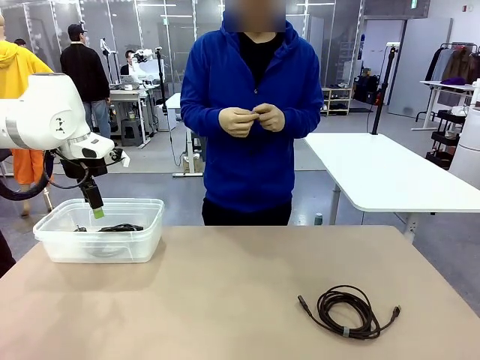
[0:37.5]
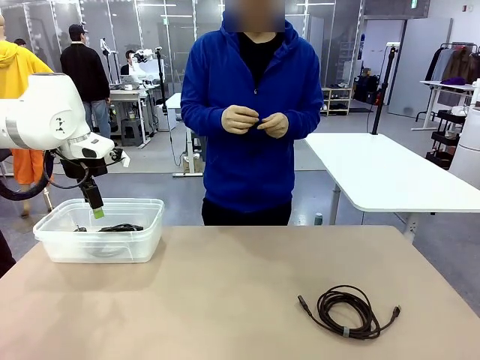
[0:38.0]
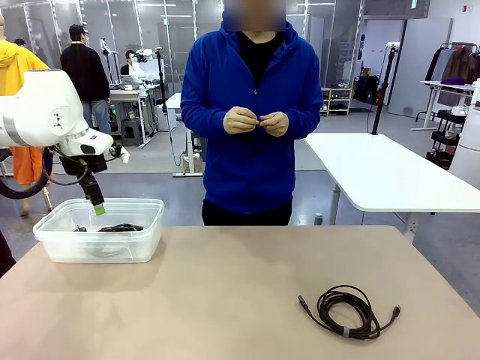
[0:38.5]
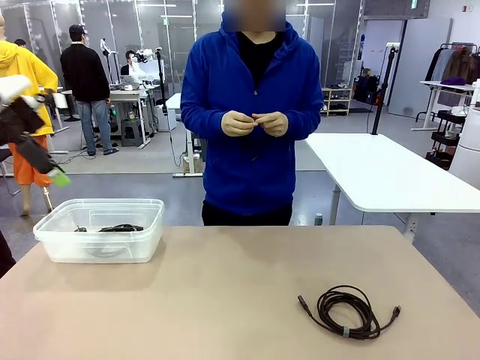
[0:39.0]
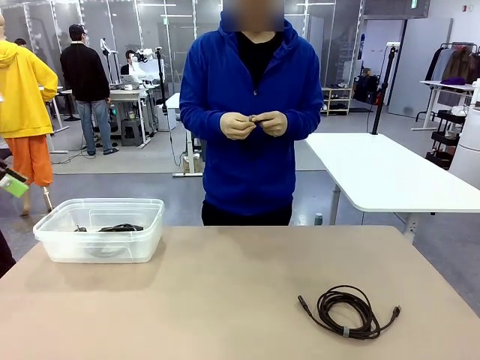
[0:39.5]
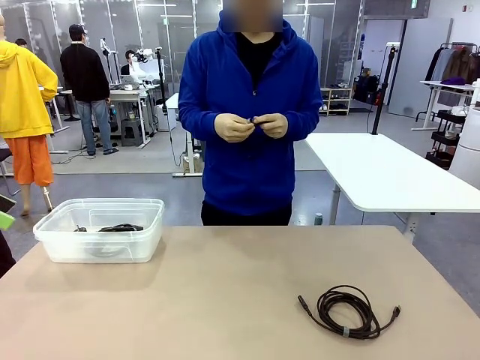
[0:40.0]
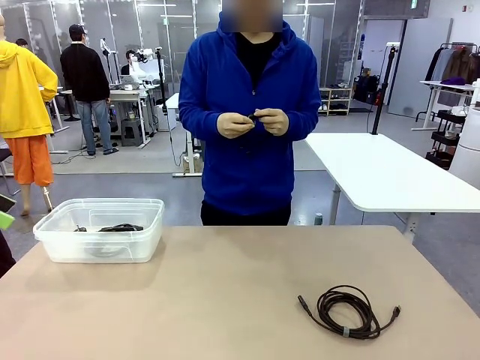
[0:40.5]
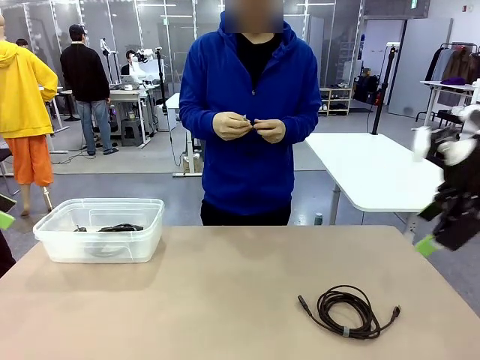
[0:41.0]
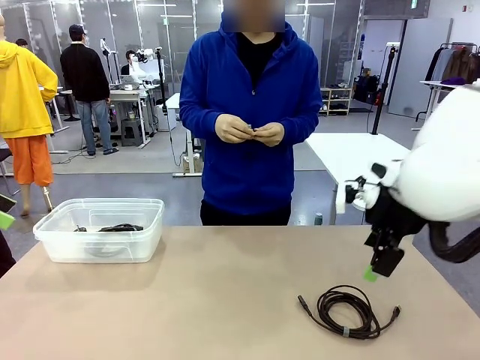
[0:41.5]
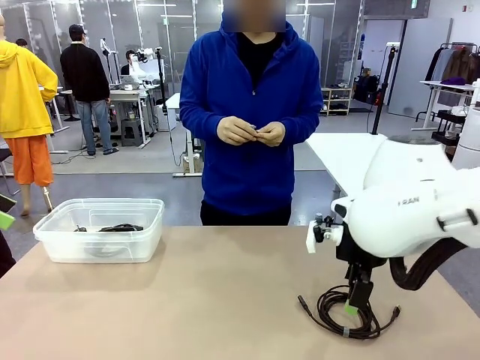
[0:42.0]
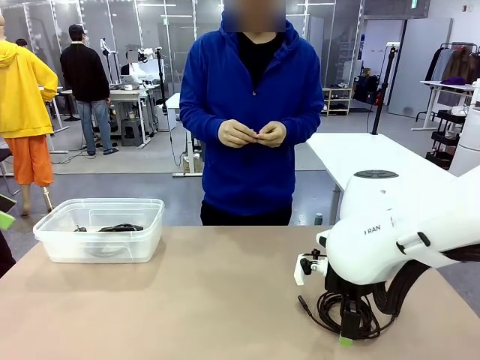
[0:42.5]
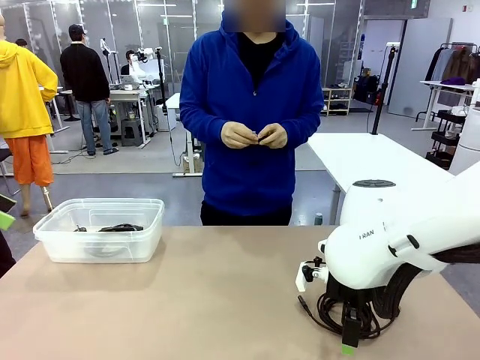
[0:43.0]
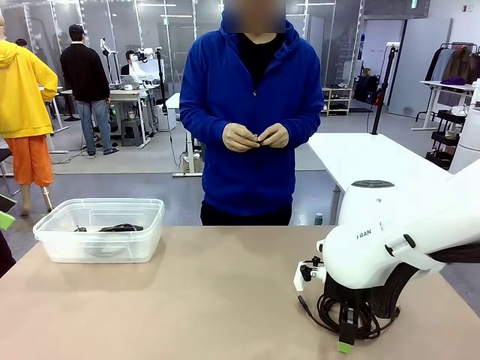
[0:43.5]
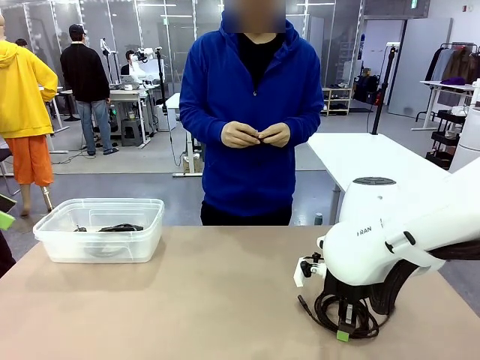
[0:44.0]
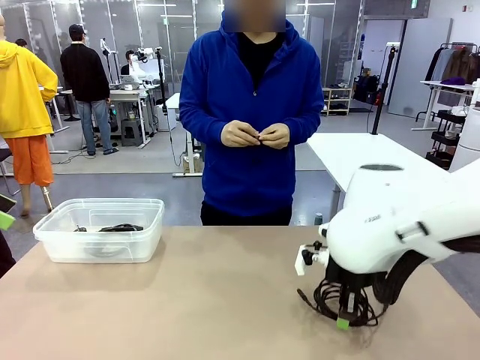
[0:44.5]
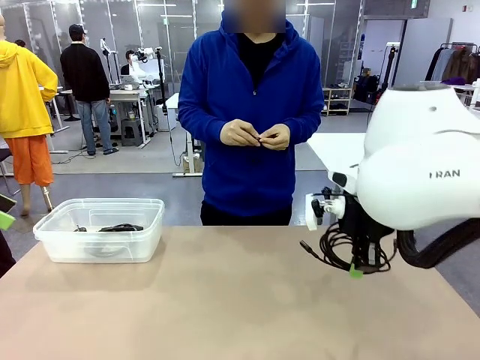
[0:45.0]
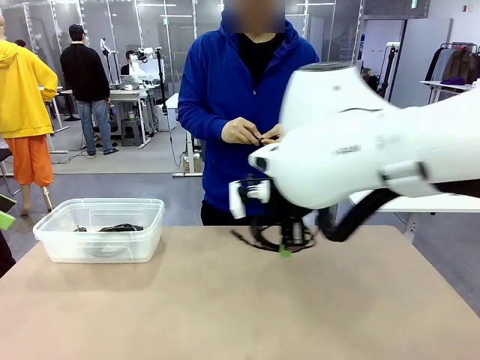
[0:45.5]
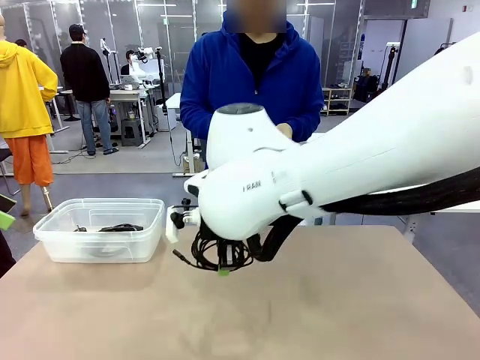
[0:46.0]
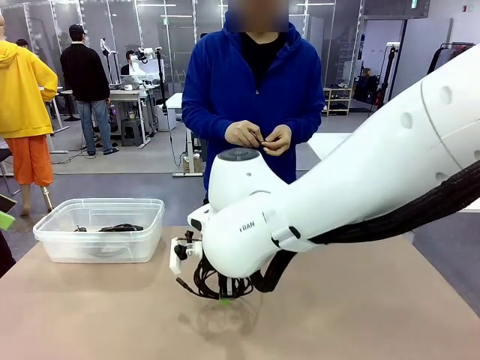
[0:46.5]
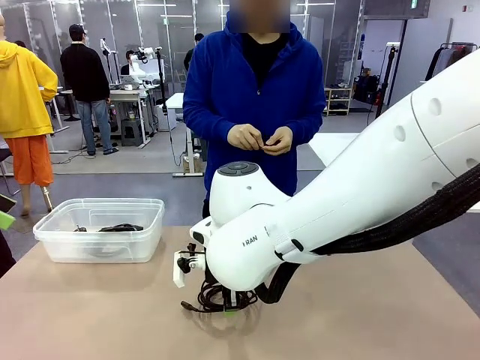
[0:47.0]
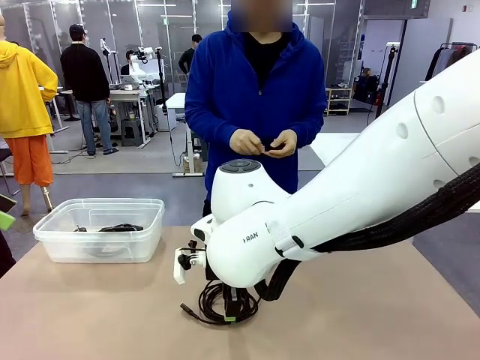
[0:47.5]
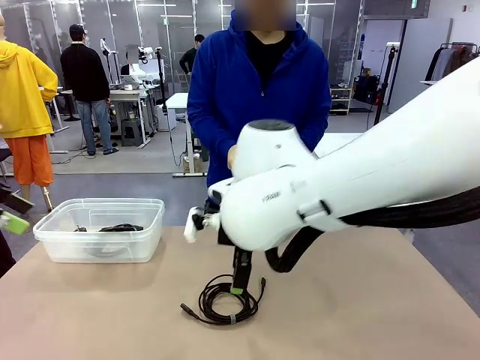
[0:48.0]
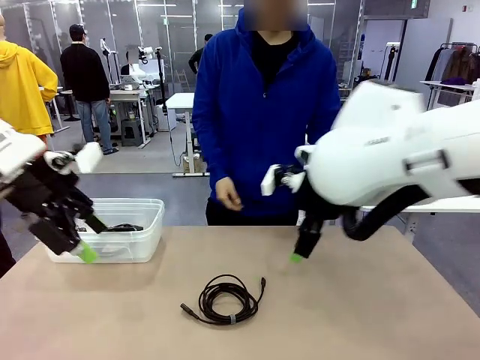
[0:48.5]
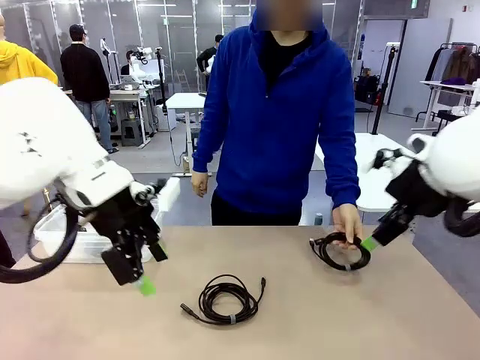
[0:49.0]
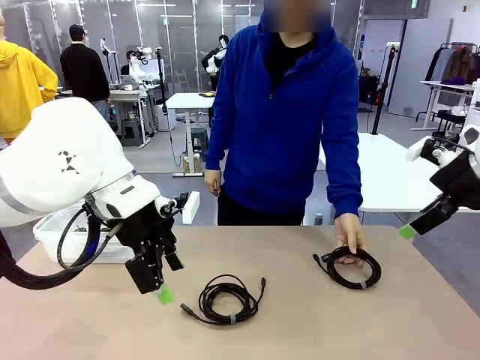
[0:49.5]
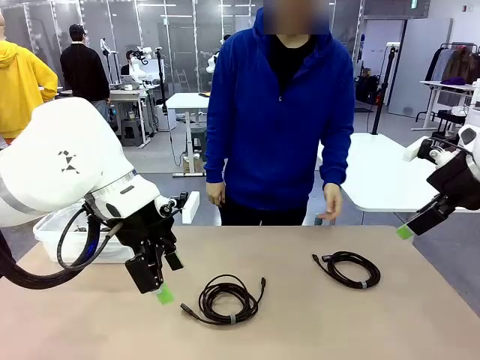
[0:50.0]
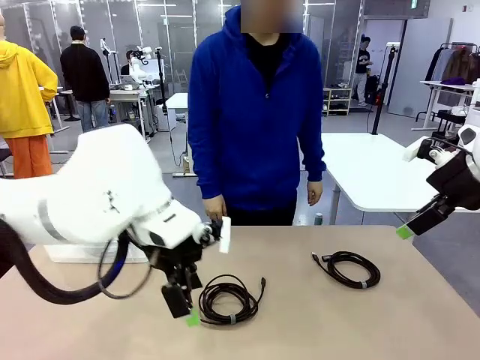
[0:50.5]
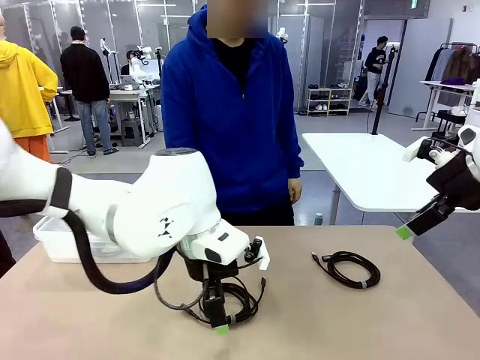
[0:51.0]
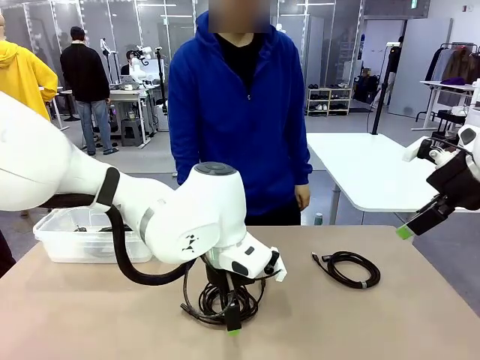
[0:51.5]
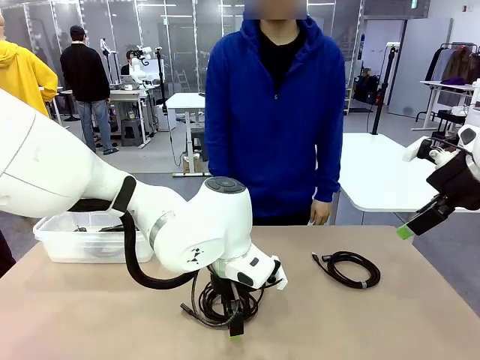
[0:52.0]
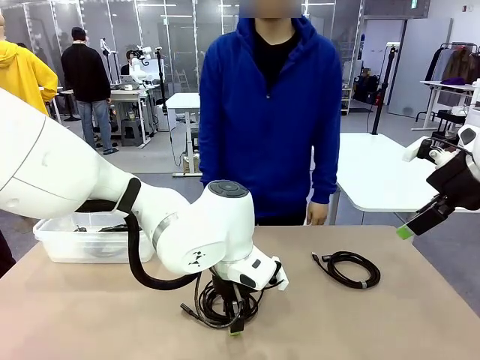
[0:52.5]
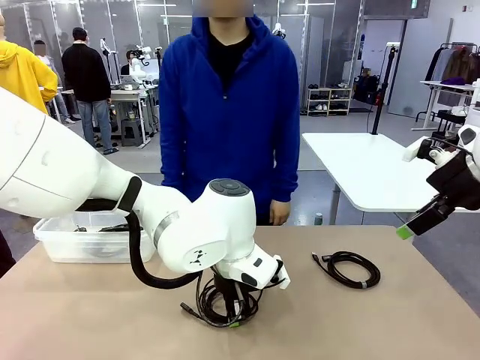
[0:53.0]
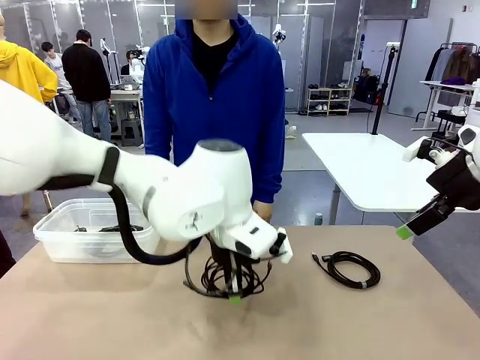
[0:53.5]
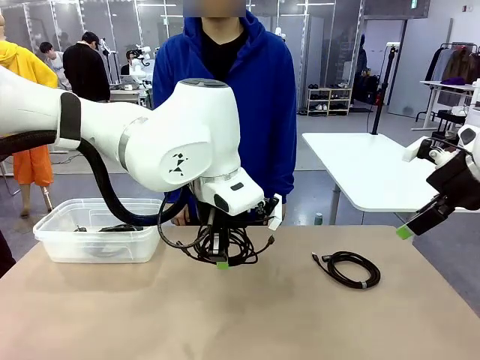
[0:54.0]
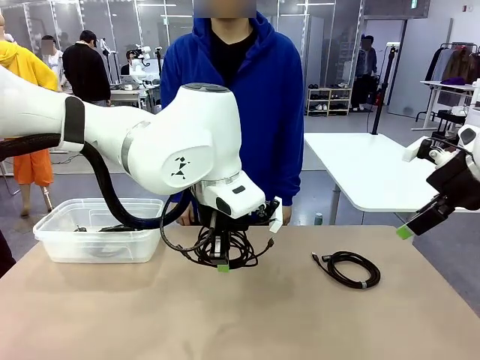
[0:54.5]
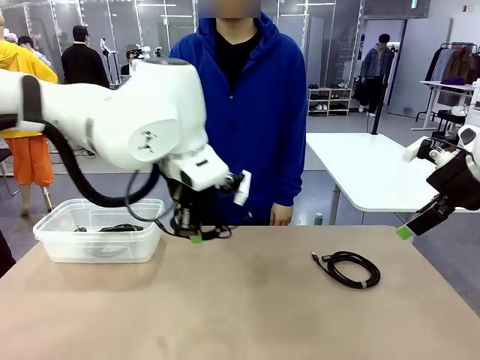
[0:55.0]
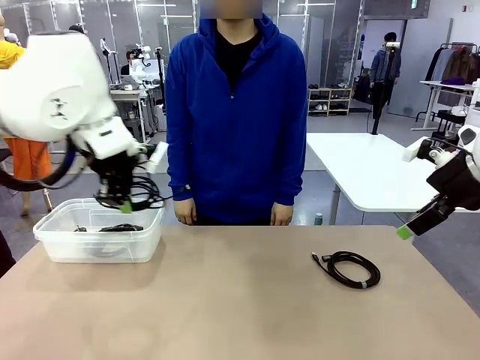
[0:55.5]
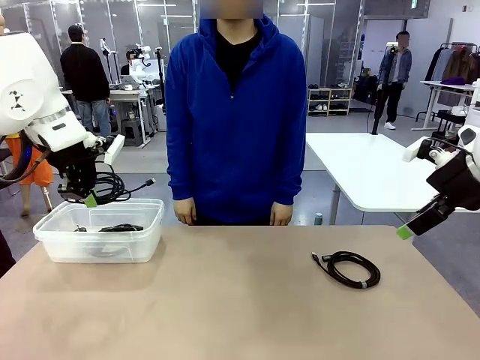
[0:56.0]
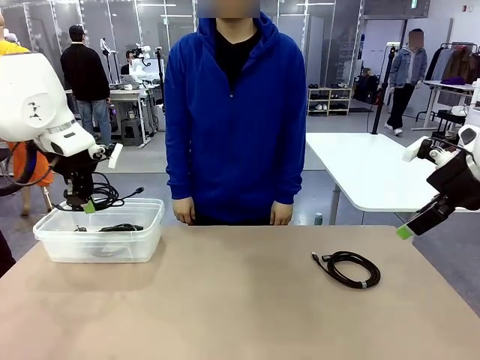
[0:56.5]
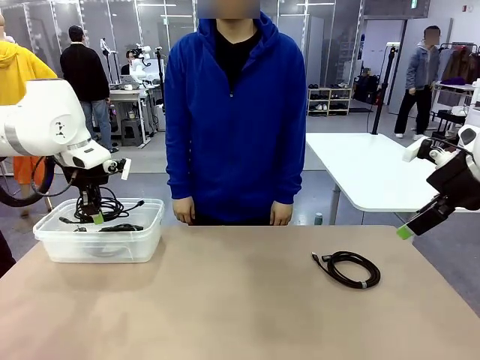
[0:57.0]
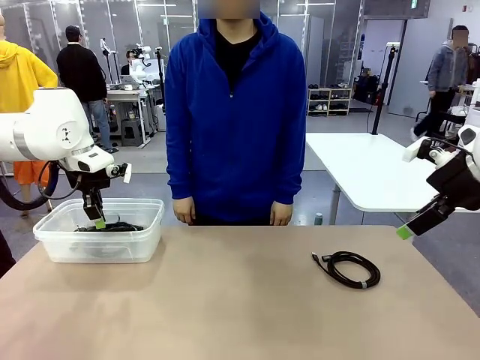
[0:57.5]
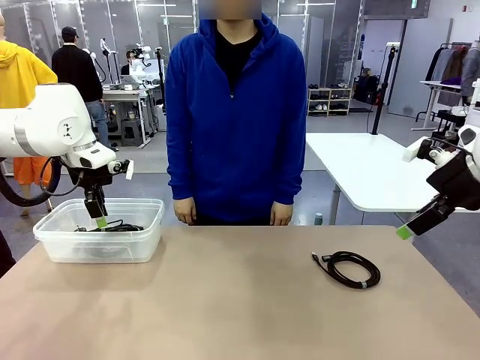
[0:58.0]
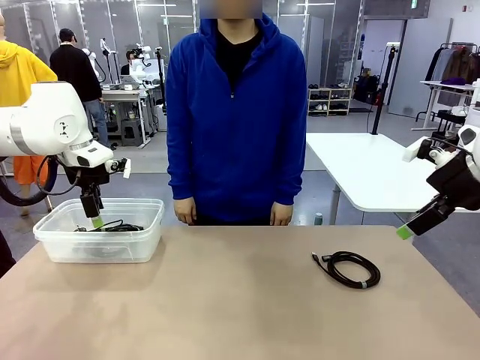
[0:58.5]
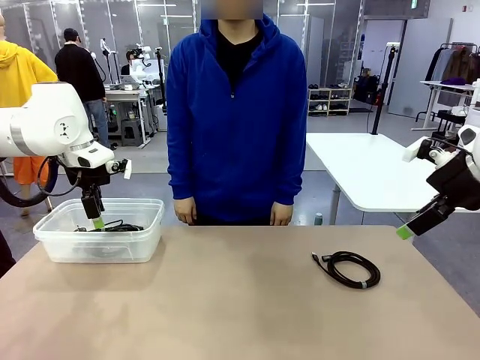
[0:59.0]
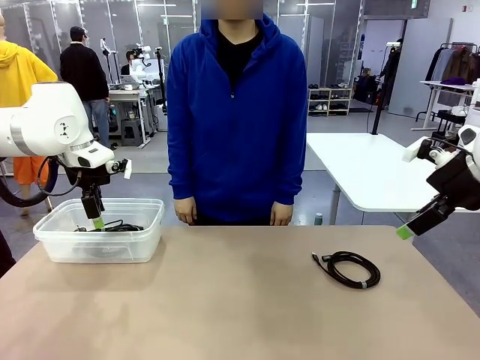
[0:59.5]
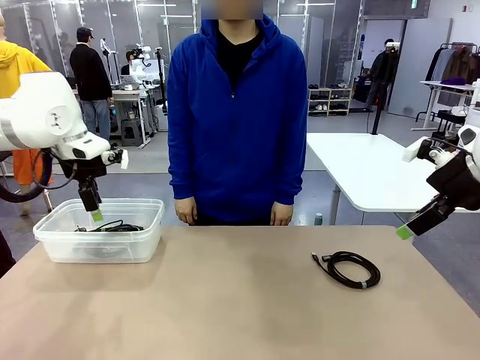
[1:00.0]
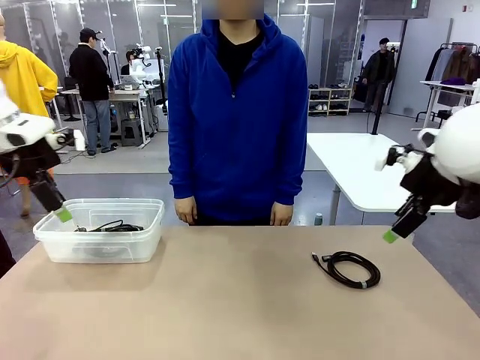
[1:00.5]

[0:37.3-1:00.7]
Task: Organize and store the cables.
Robot: Place the USB Extension Cable into the Organizing box.

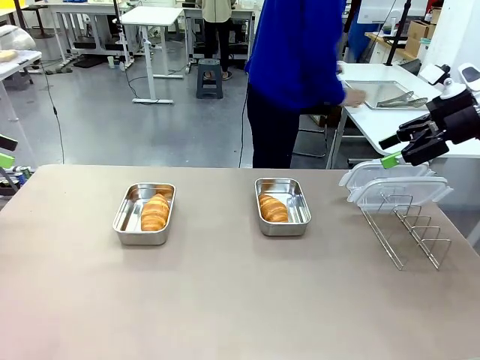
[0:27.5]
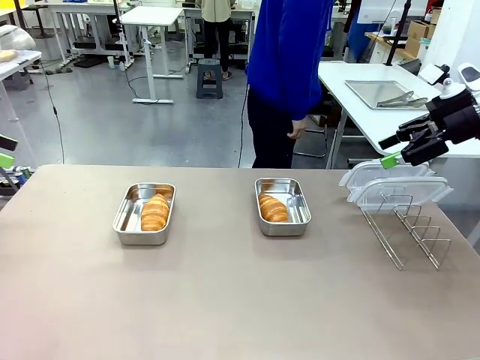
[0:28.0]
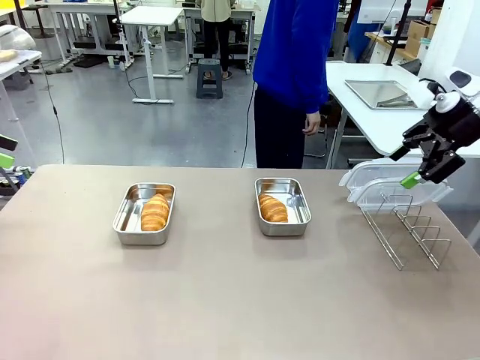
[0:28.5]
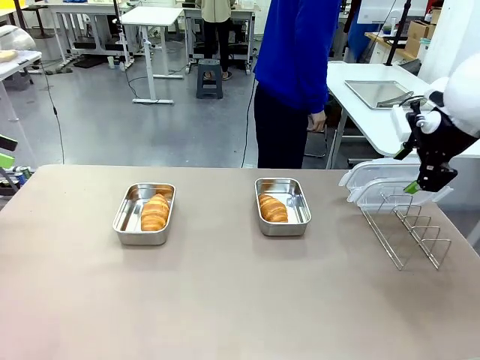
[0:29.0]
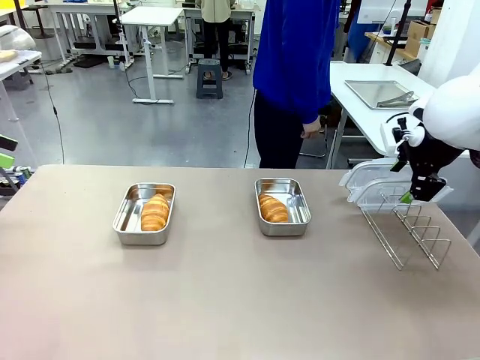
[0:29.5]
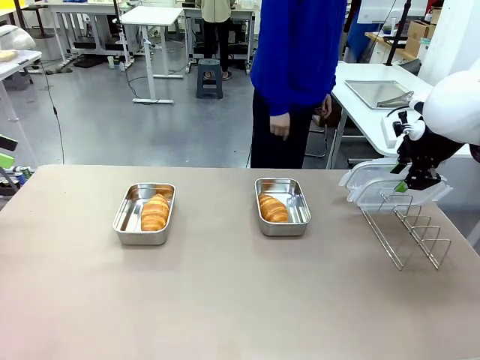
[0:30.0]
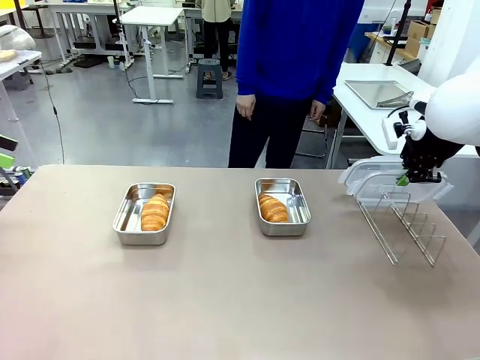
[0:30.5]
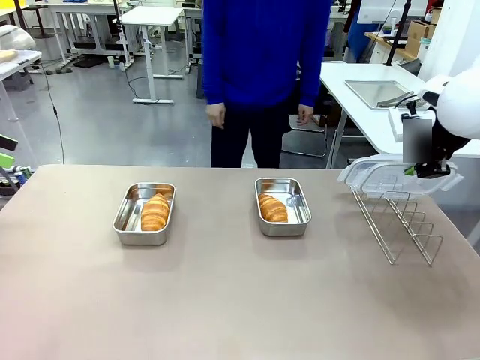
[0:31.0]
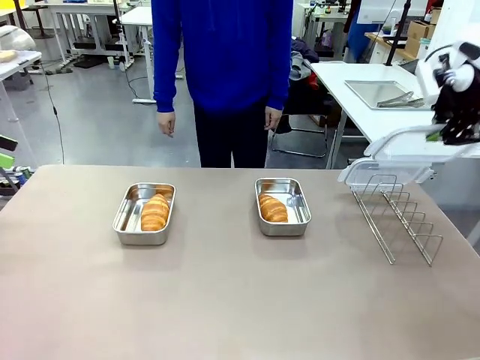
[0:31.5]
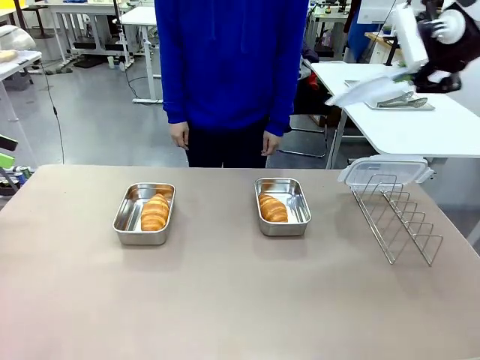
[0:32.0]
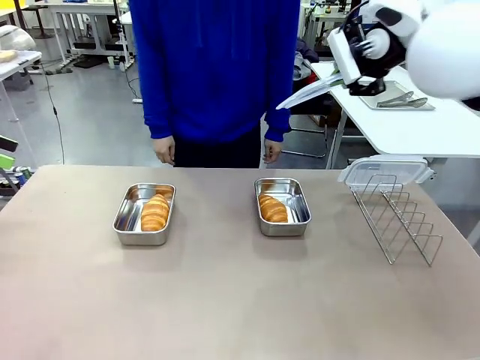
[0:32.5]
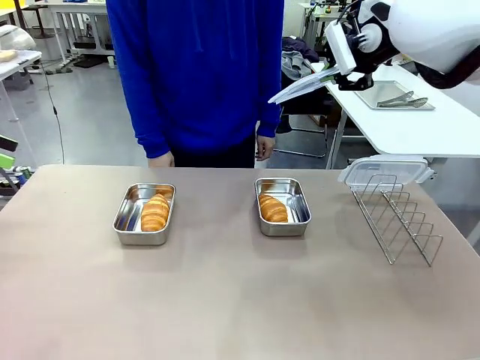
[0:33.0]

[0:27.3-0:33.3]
Task: Place the bread in airtight containers.
Robot: Pick up one Airtight Container lid and hand it to the human.
Person: Grip Airtight Container lid that robot is handing.
